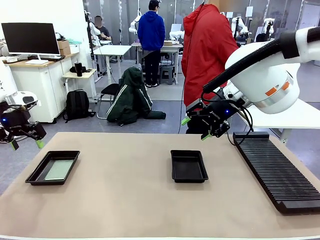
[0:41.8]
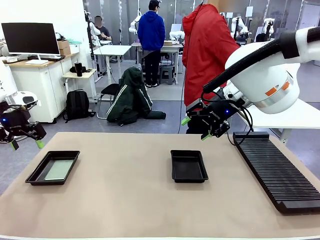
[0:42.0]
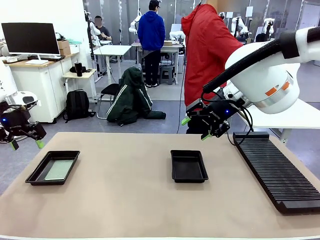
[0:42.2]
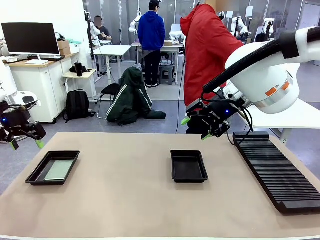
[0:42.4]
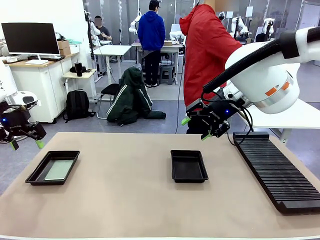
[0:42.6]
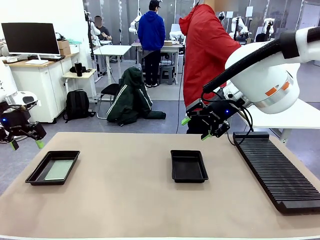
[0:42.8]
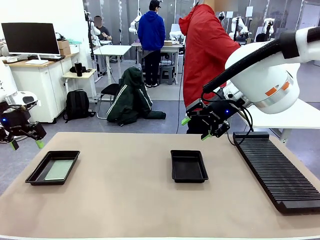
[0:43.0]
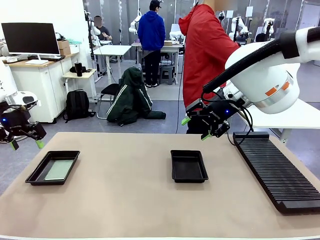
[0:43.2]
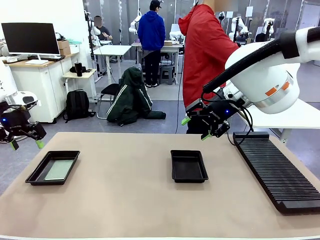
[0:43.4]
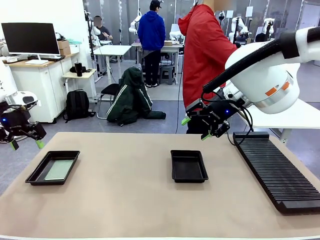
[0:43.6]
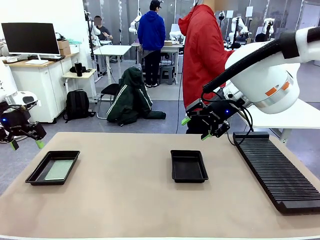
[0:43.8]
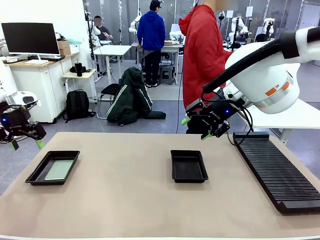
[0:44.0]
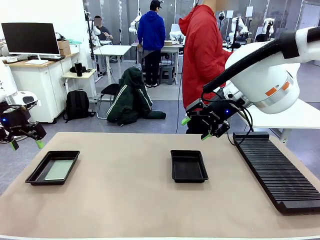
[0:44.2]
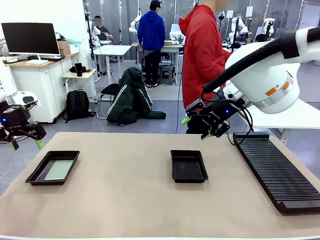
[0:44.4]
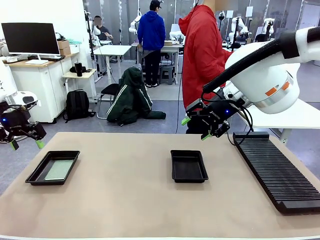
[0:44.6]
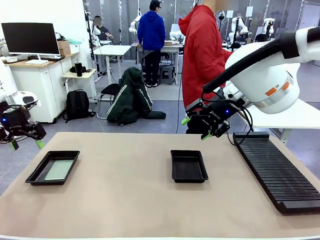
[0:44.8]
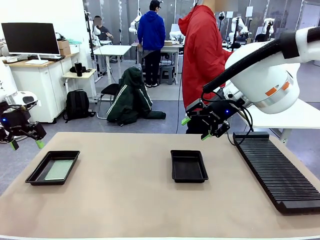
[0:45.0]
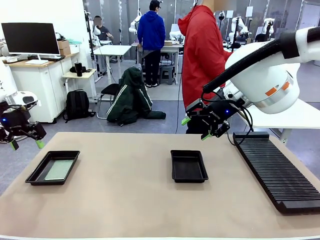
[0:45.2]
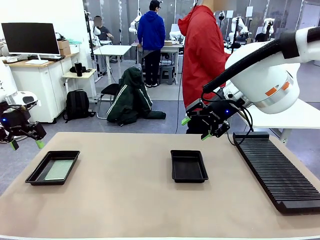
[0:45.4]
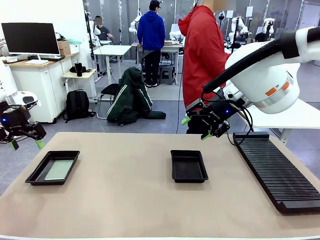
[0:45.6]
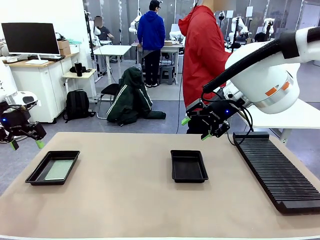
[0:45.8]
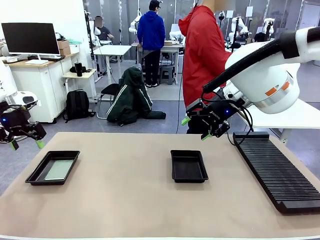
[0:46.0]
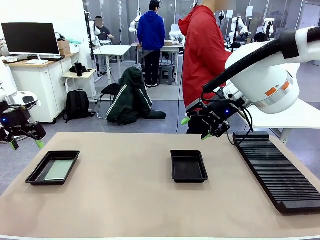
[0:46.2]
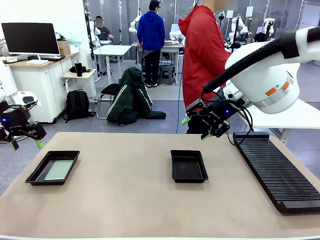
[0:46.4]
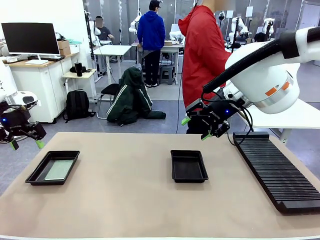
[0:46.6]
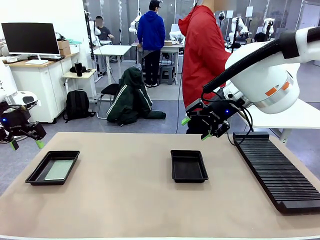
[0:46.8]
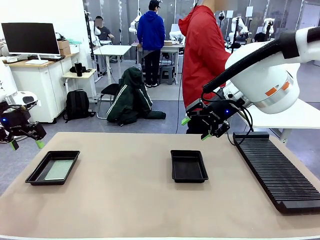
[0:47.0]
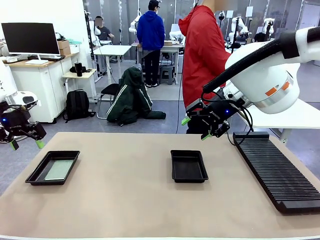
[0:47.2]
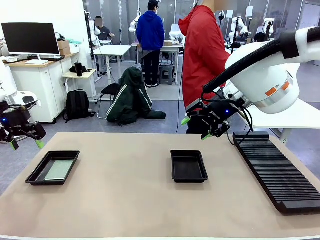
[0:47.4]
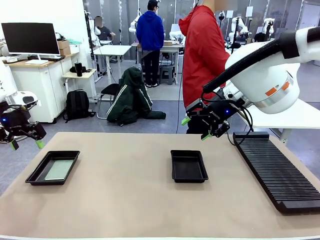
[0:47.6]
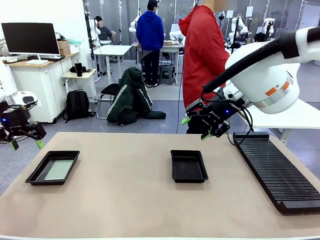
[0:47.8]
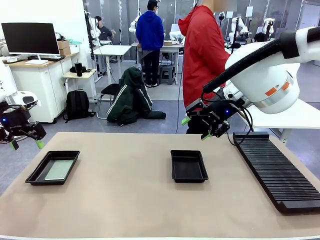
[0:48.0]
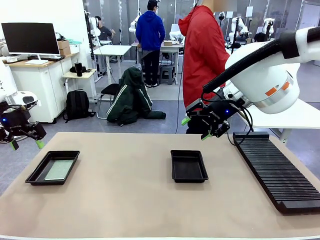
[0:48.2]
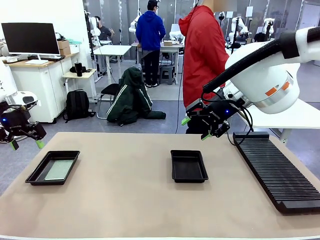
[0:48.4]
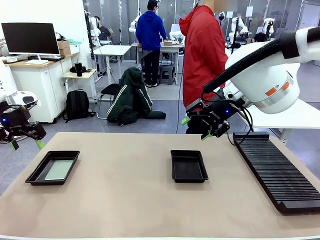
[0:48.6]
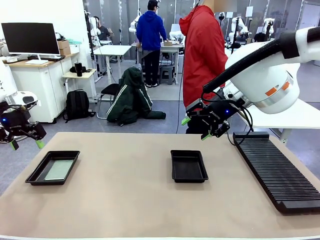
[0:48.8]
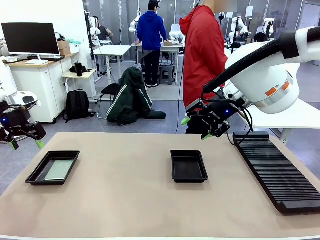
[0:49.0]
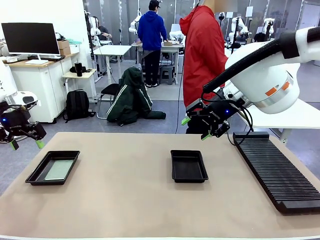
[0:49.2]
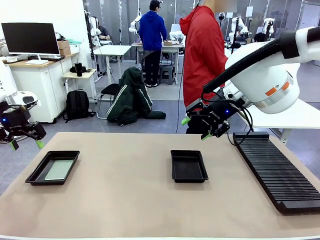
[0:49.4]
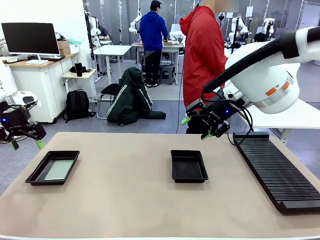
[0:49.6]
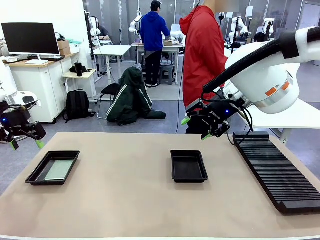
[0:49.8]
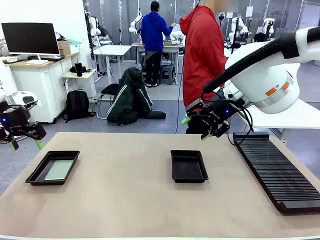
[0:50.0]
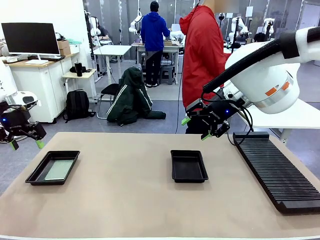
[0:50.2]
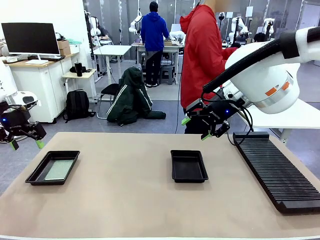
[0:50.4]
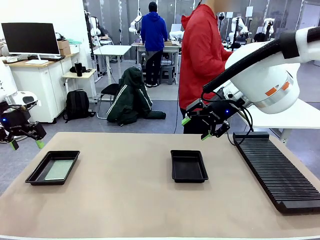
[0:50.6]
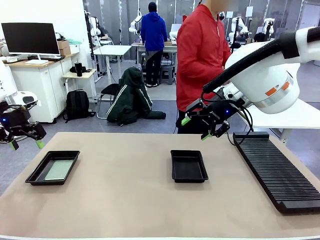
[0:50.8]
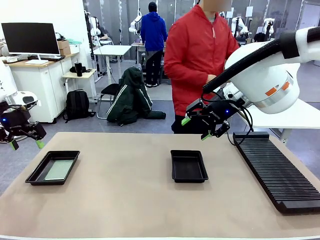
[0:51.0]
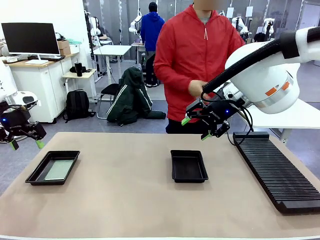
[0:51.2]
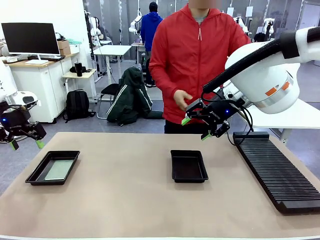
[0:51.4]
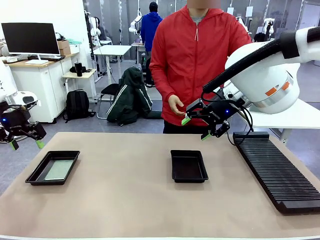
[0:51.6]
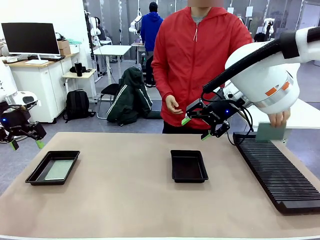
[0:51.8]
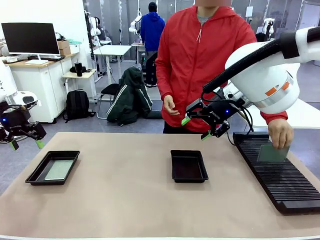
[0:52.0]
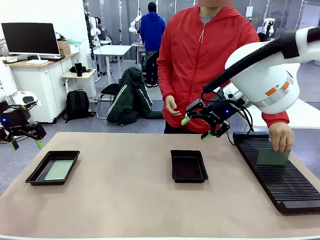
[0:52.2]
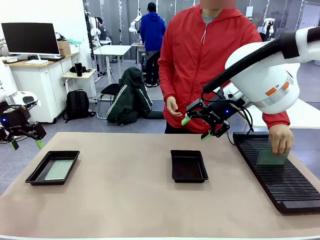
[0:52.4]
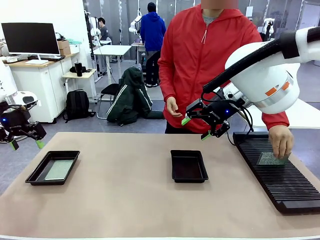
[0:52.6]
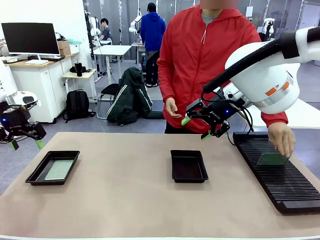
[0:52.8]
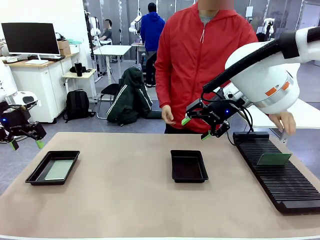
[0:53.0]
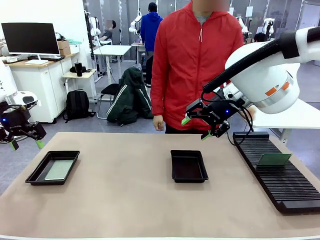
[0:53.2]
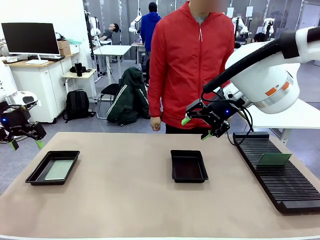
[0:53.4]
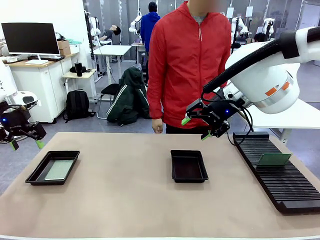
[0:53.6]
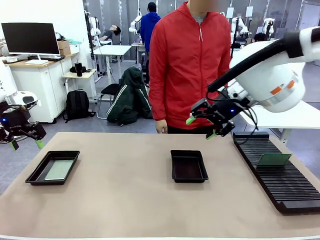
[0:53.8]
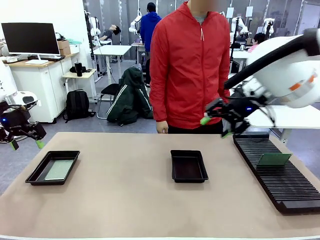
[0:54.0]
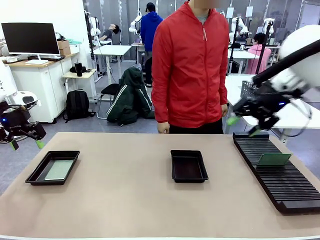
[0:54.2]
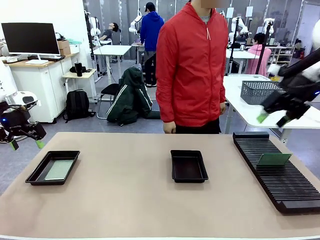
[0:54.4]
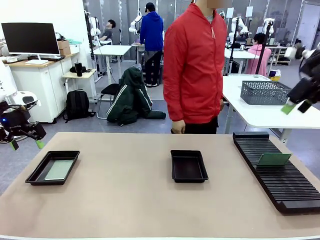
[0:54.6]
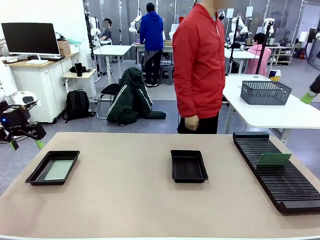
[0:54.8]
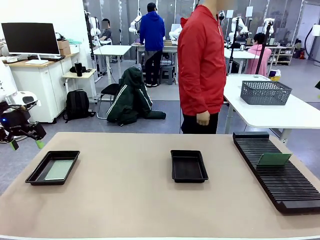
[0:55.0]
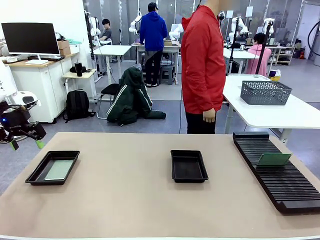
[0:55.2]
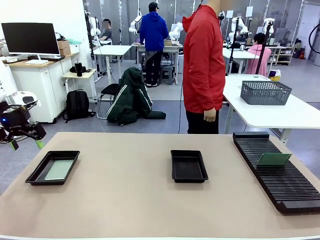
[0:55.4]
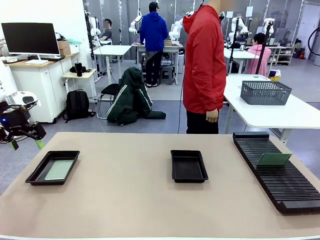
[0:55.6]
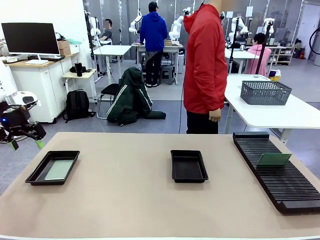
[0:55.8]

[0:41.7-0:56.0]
Task: Inspect and transfer BCBs to ESD trays.
Robot: Pick up the Blank PCB from the PCB Rack and place it in the right ESD tray.
